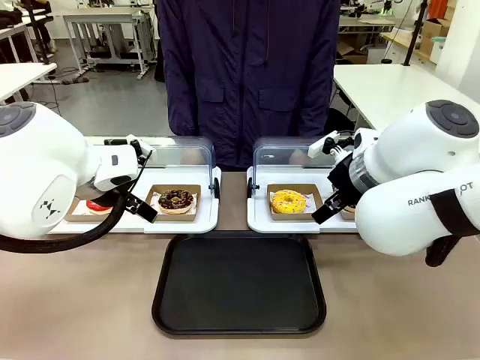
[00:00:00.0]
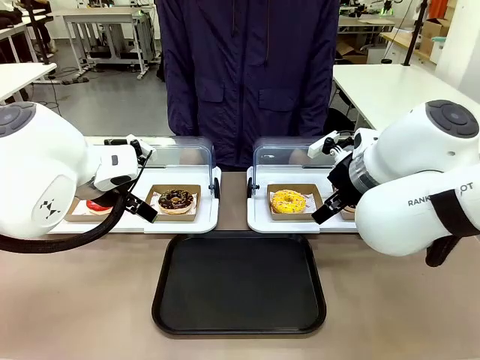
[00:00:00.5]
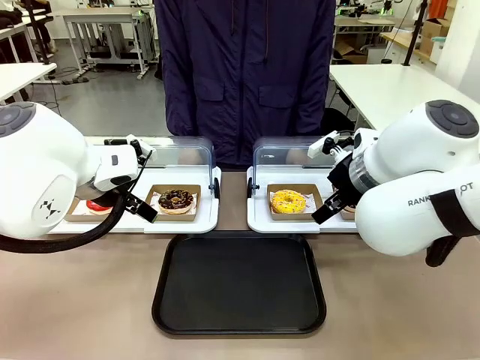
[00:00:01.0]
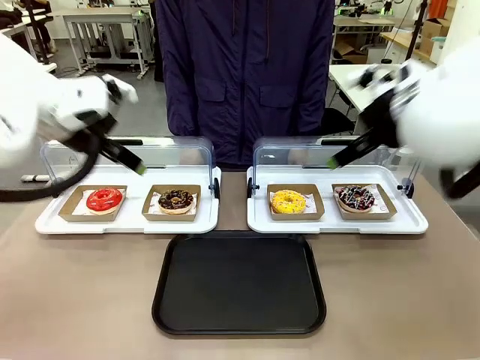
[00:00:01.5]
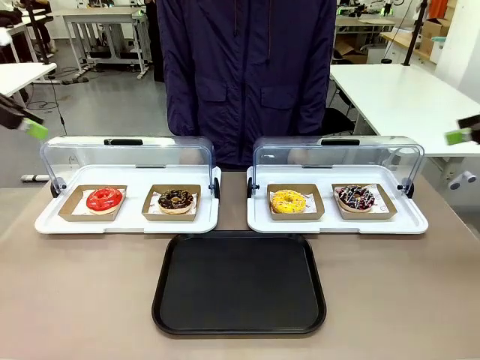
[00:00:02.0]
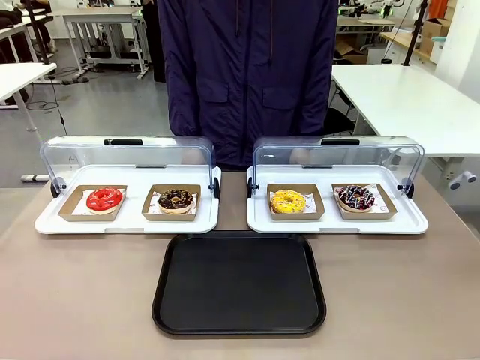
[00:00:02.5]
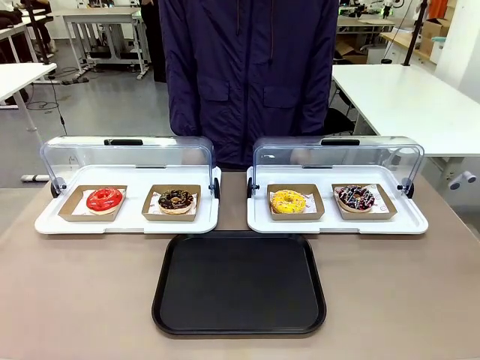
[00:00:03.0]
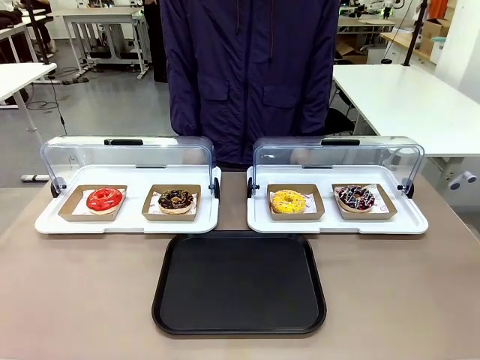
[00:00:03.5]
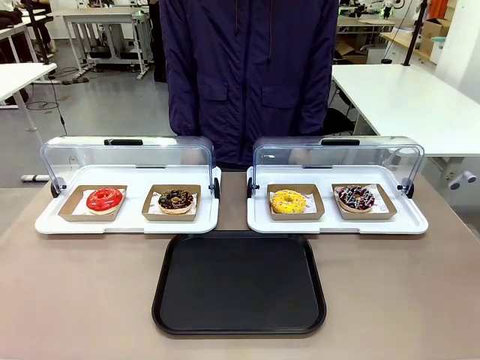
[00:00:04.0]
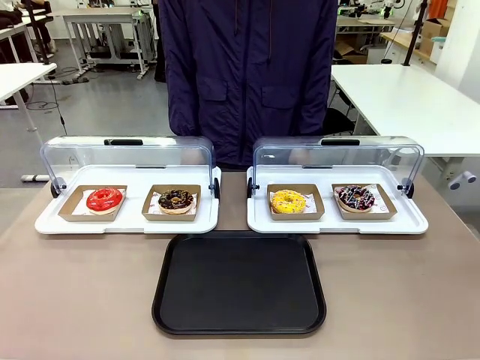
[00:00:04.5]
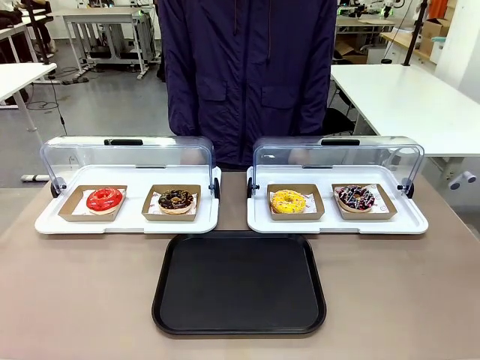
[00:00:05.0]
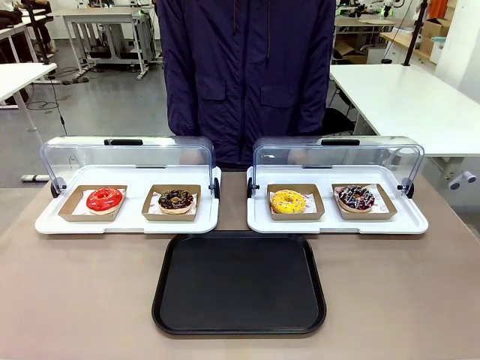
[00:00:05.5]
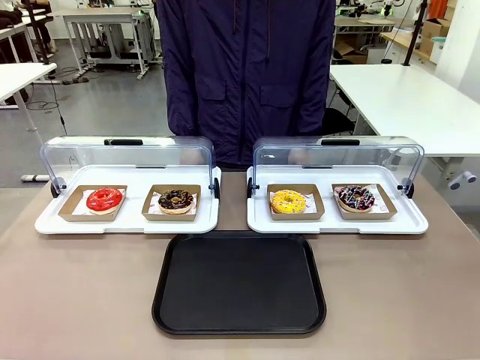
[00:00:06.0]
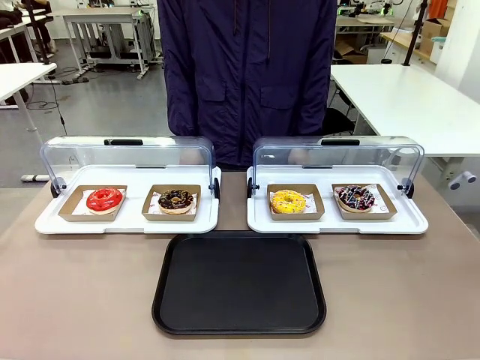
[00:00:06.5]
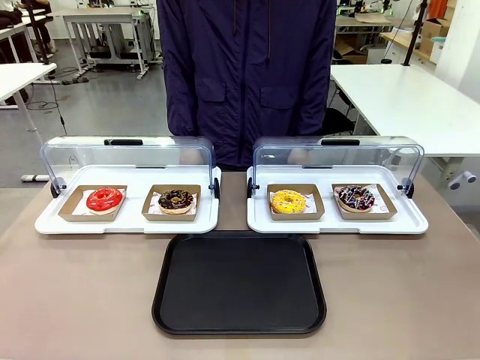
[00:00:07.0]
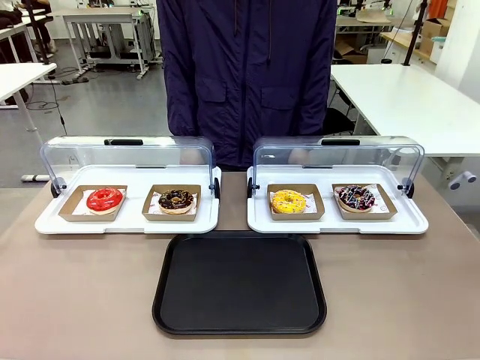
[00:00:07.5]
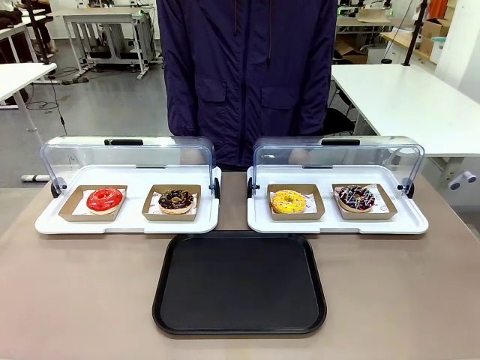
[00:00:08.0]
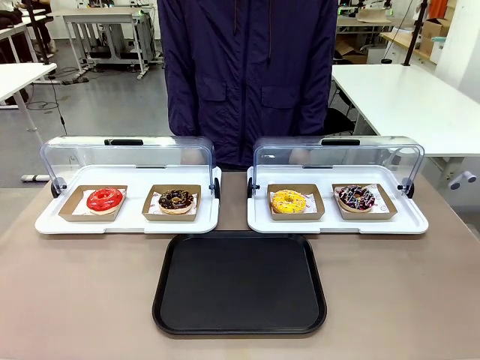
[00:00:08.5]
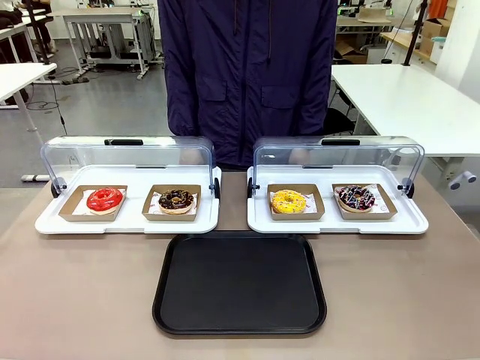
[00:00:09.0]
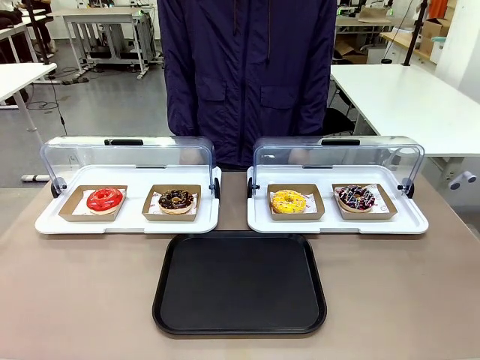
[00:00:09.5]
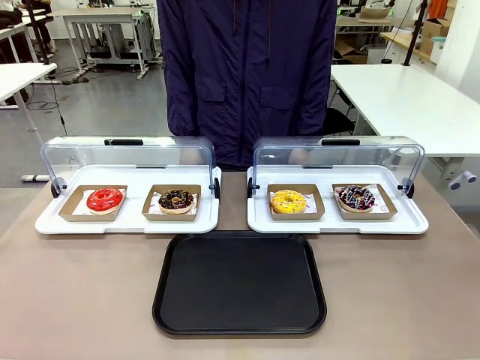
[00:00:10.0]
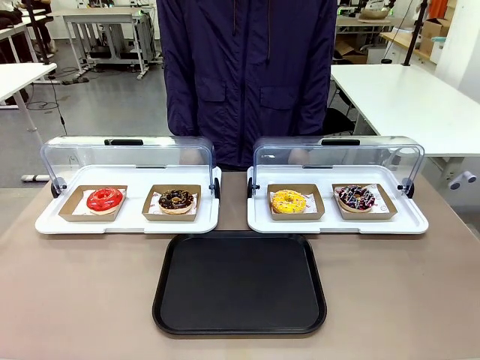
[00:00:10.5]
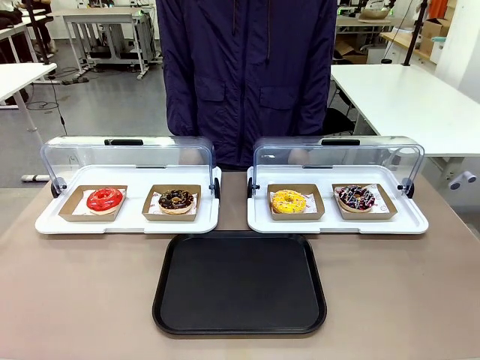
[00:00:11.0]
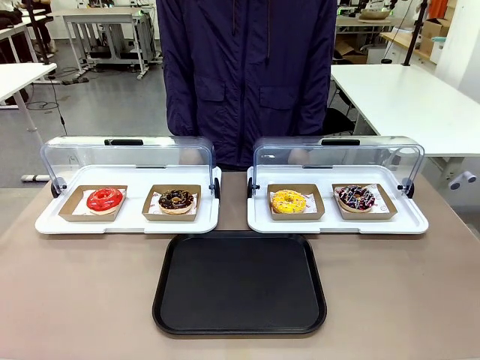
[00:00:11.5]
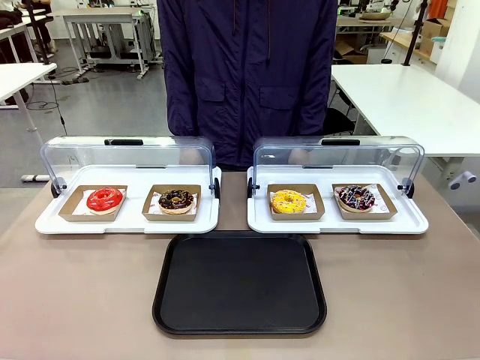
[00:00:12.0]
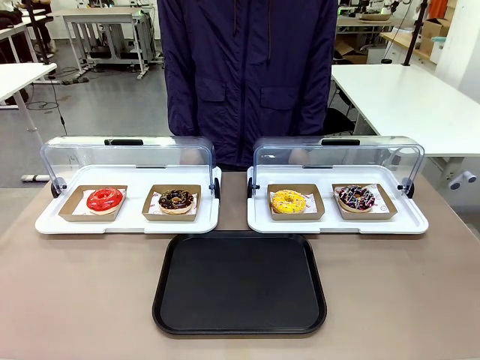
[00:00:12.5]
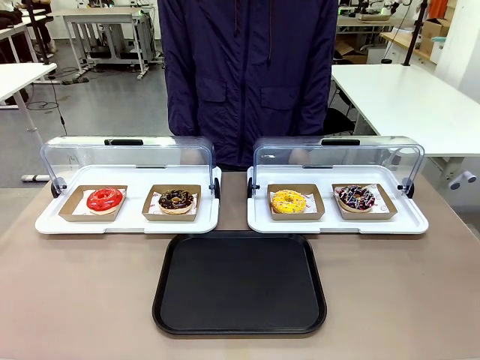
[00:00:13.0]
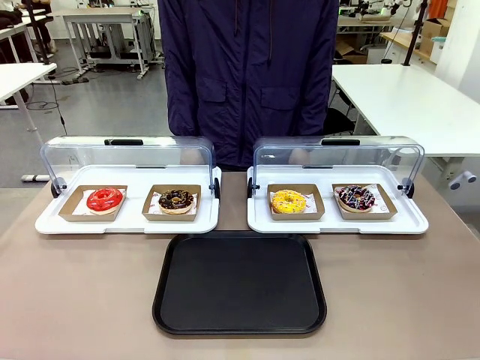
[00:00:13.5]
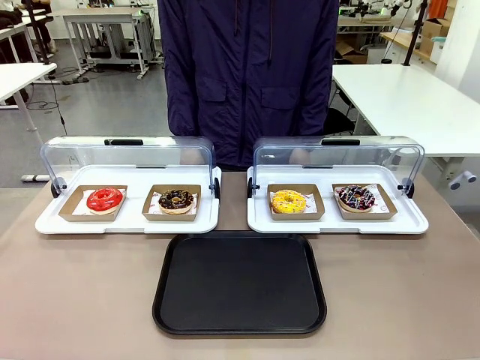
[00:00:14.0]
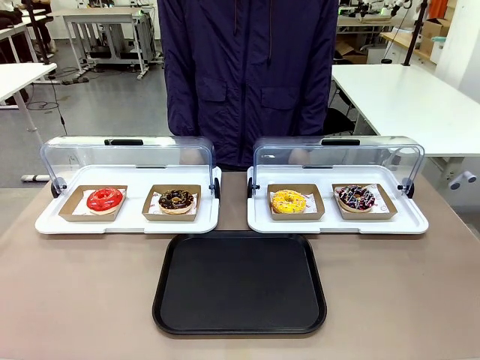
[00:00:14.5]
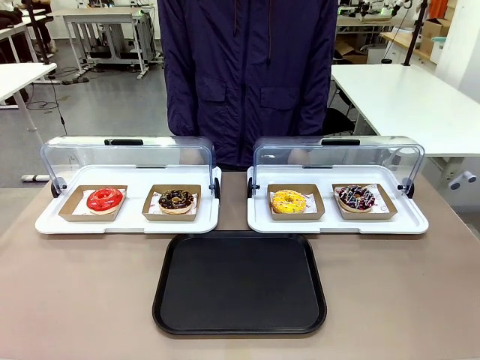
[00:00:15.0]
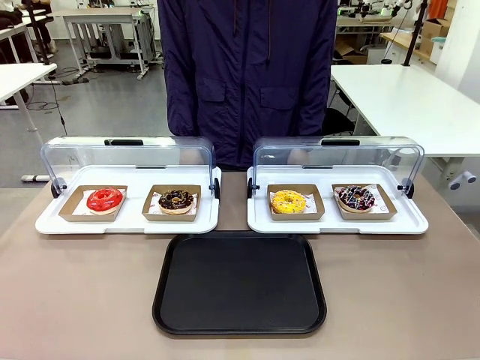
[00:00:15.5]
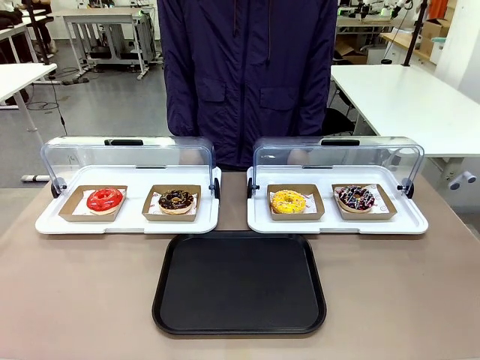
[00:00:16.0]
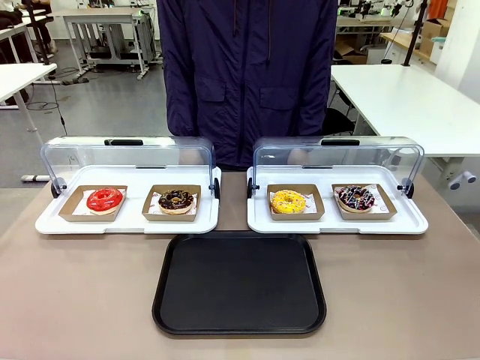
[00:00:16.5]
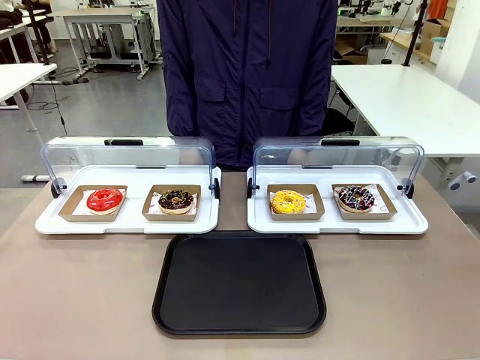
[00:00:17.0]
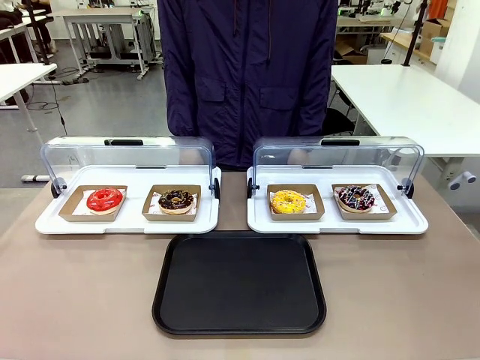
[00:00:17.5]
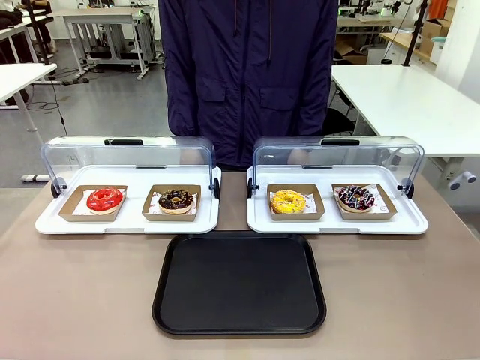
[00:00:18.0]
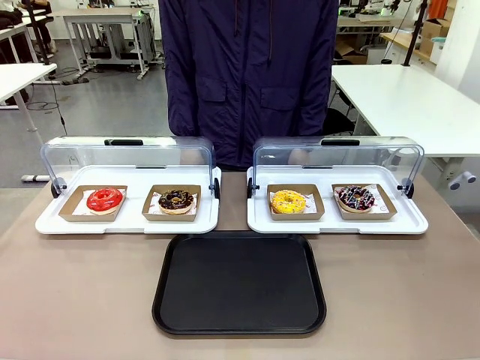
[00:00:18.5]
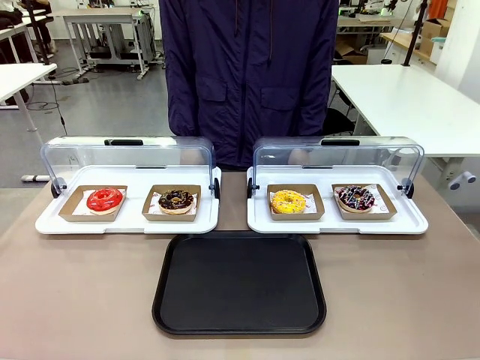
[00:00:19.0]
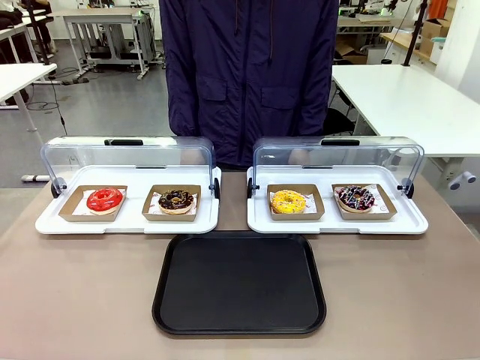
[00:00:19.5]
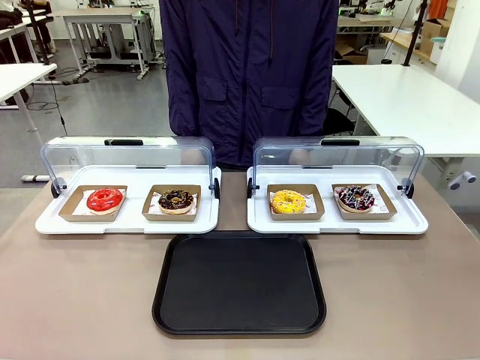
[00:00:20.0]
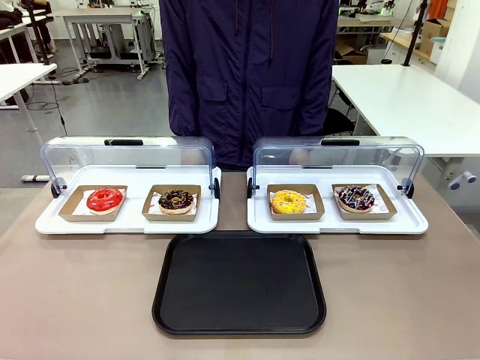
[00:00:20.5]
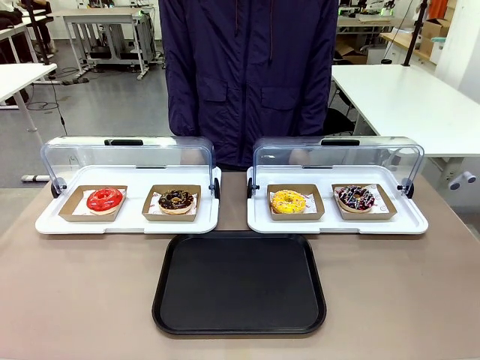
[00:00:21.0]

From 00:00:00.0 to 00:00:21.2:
Task: Move the fourth donut from the left to the tray.
Robot: Pick up the Paper togo box containing the Donut indicated by the person and place it on the Handle tray.
